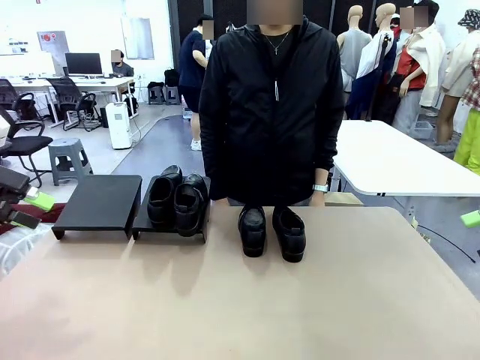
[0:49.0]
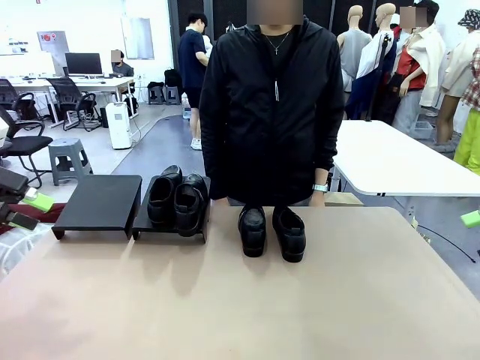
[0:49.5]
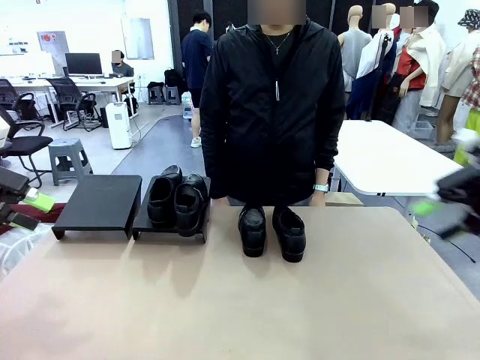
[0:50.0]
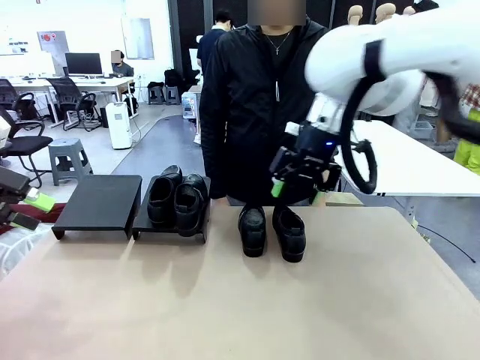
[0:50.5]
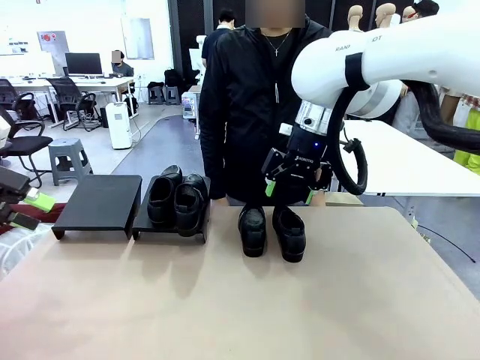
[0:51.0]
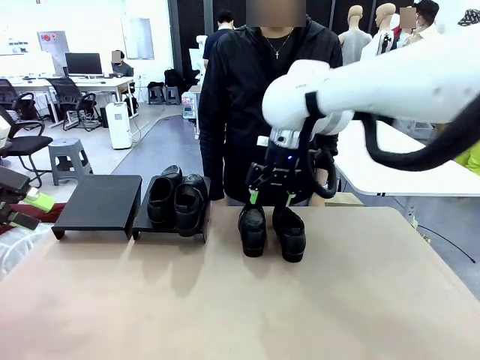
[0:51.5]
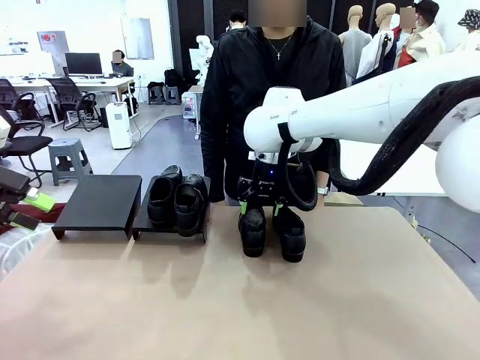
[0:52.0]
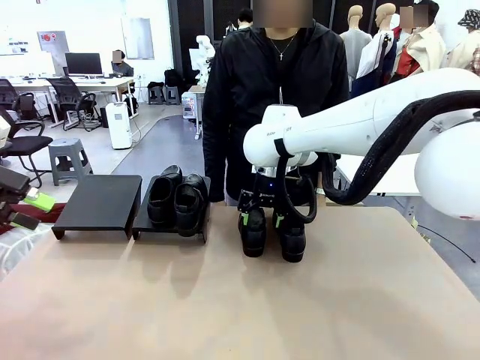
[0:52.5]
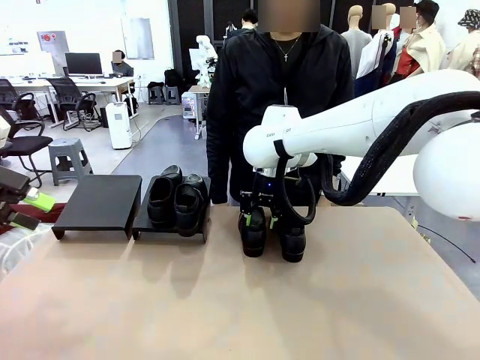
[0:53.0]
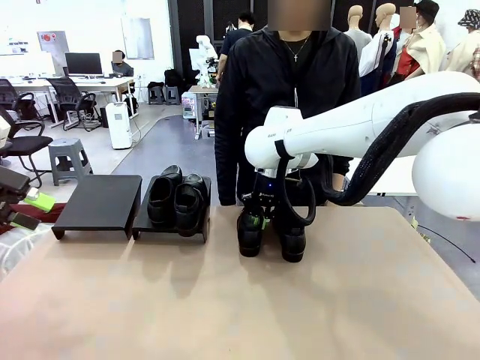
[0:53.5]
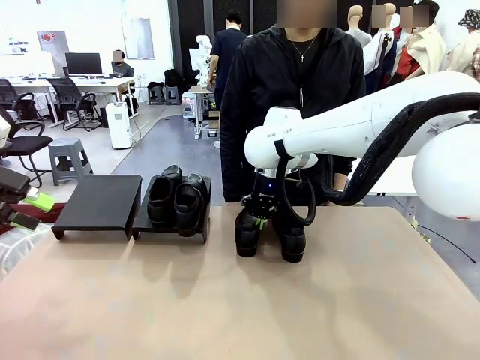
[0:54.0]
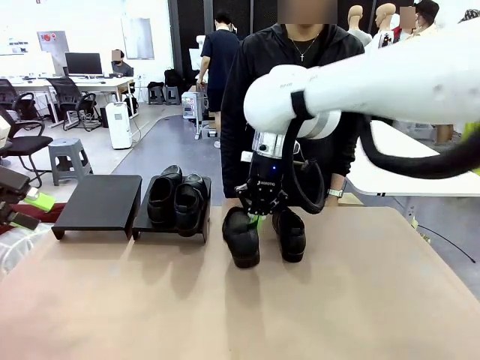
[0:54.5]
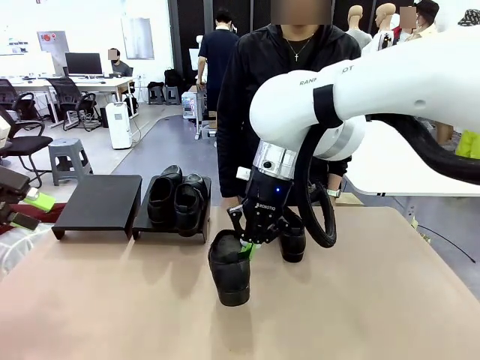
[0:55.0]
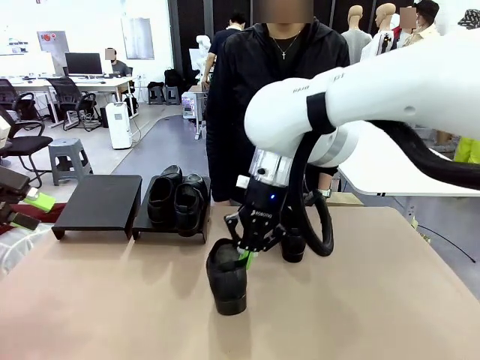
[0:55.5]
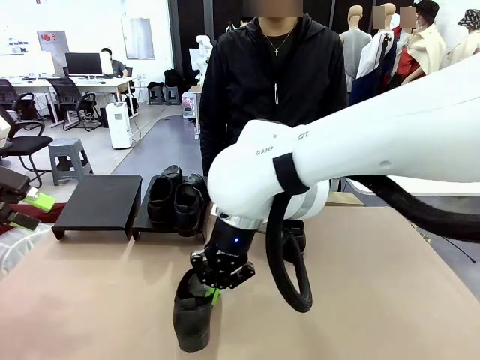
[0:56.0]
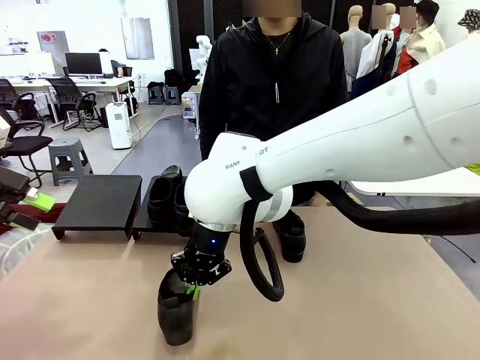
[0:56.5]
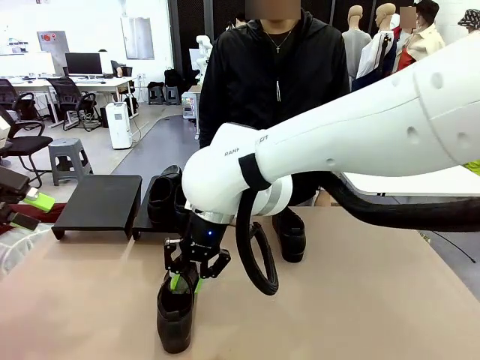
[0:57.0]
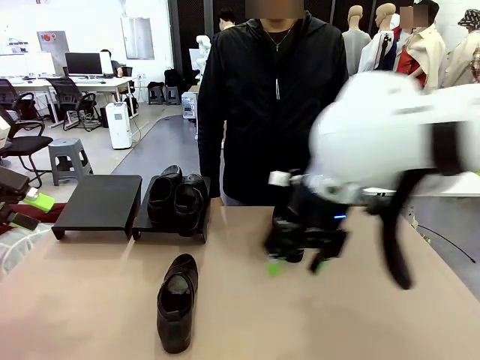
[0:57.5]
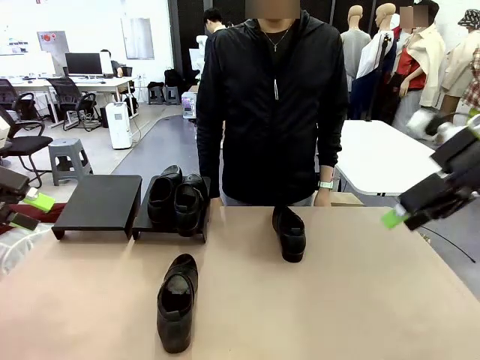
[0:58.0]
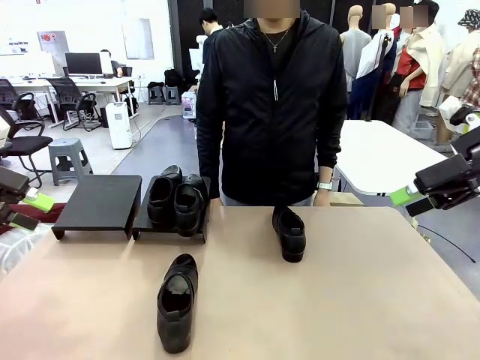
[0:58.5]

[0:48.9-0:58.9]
Task: Organize the shoes by placing them on the stand.
Robot: Pick up one Shoe and place it in the middle of the table.

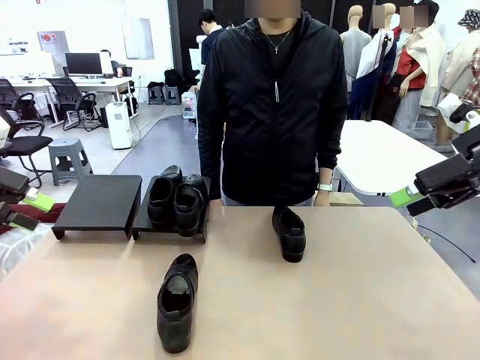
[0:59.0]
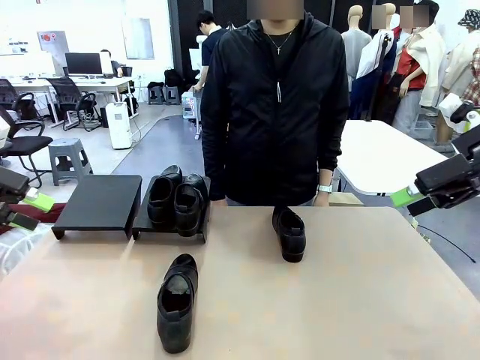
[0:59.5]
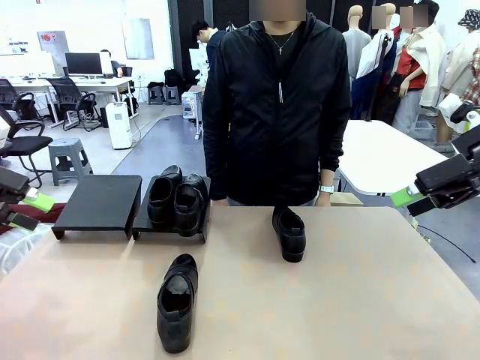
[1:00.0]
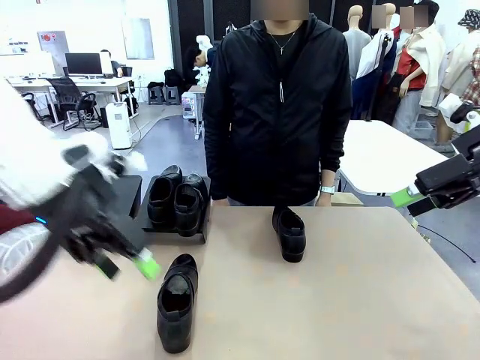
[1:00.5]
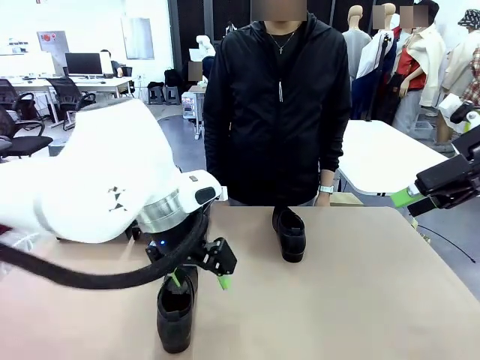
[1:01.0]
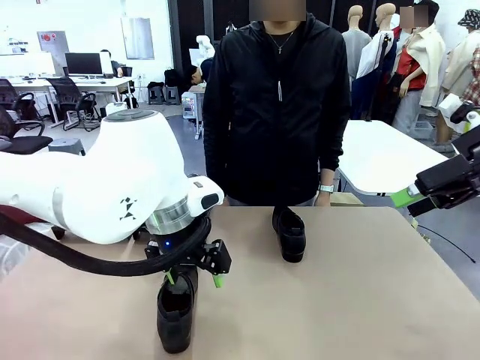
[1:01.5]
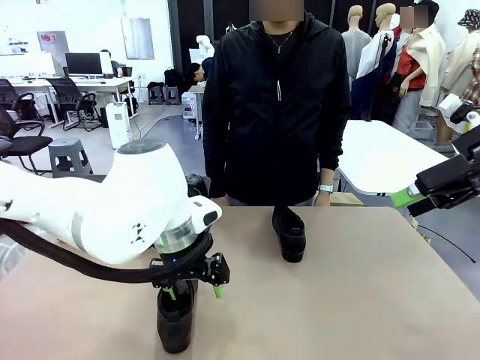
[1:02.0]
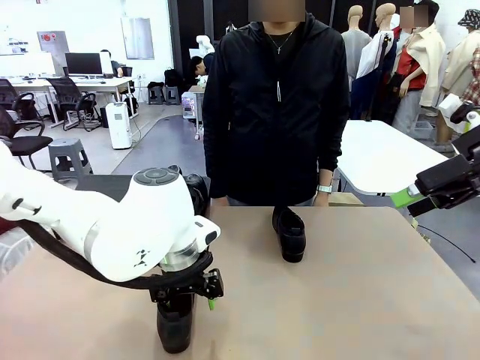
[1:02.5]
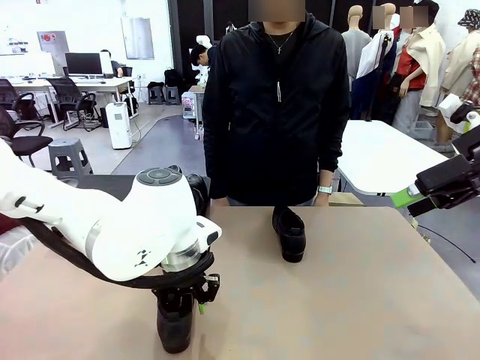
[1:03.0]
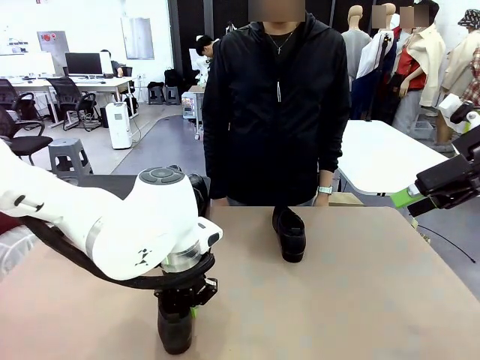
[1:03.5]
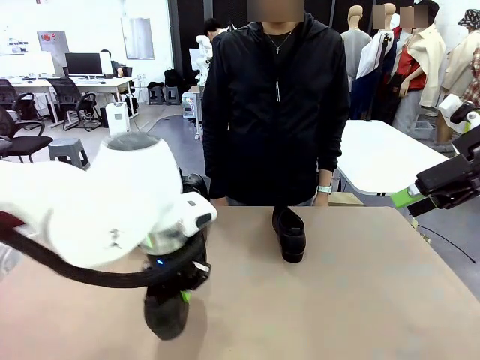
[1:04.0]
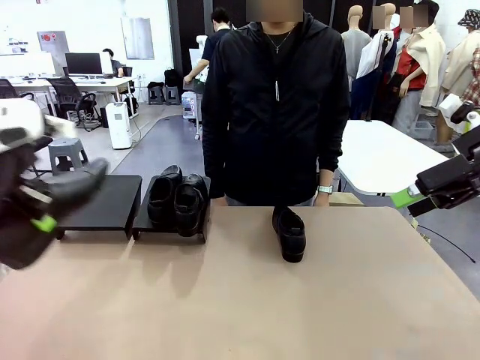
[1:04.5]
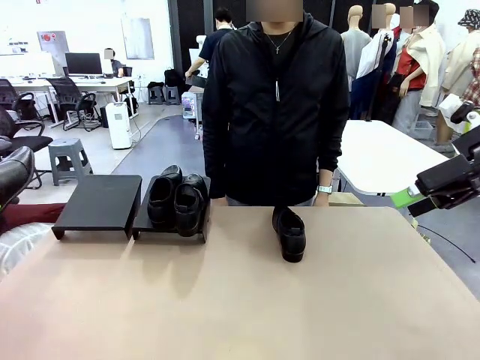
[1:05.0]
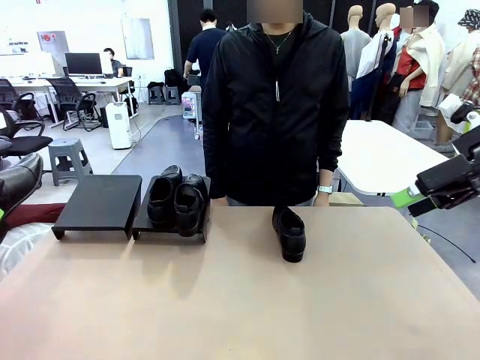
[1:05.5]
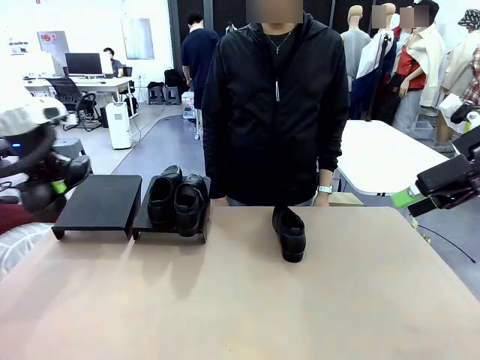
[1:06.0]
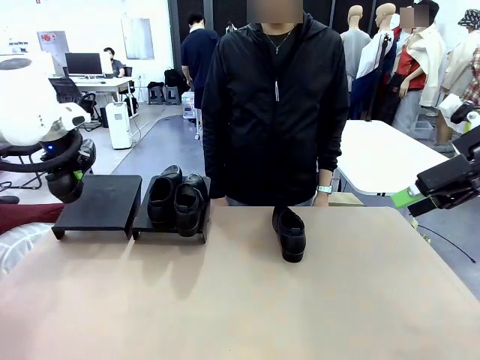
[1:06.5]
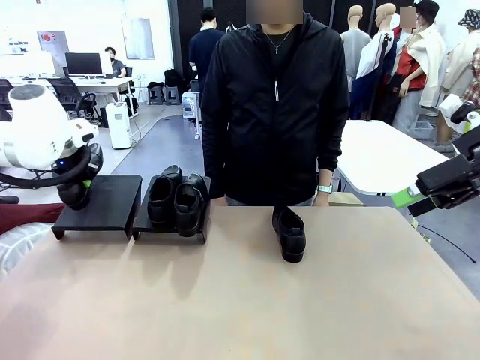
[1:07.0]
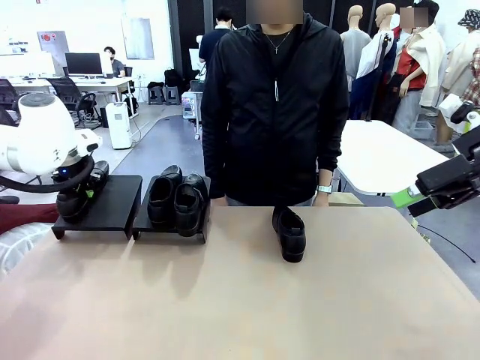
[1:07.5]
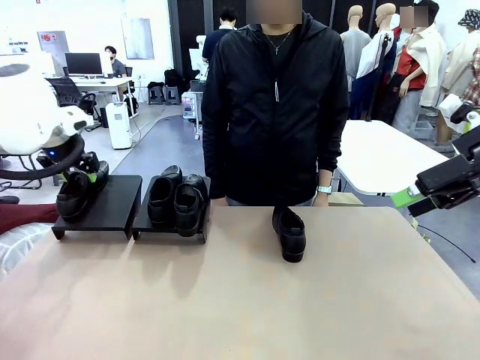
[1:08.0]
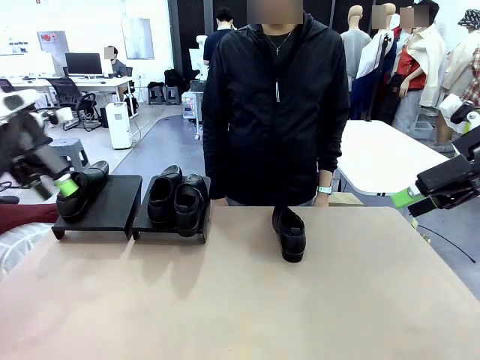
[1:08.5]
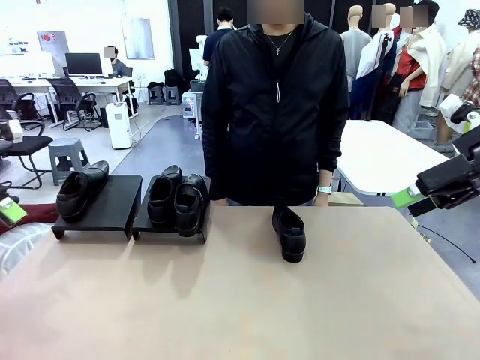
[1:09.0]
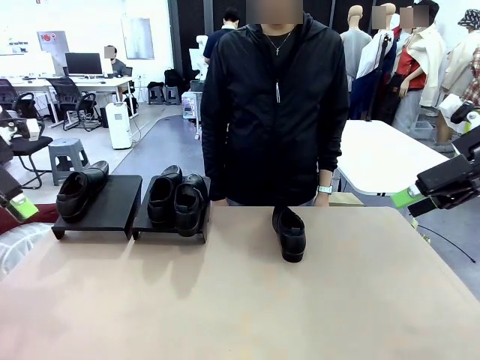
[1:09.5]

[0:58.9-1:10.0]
Robot: Place the Shoe from the middle of the table onto the Shoes Stand.

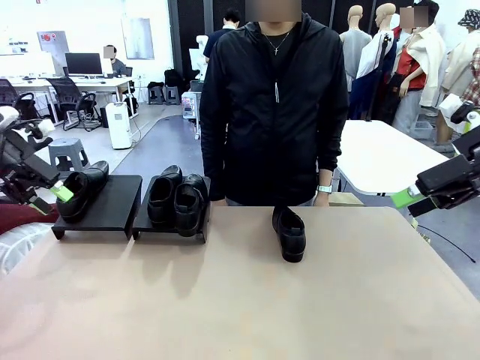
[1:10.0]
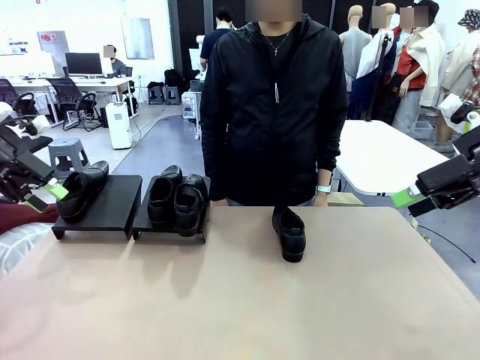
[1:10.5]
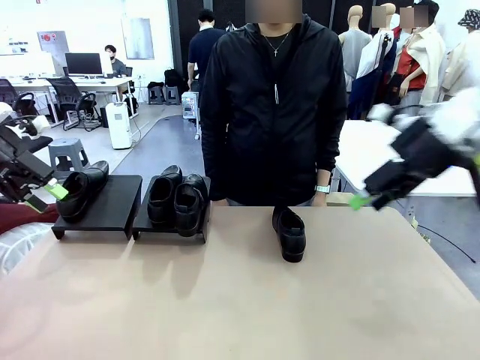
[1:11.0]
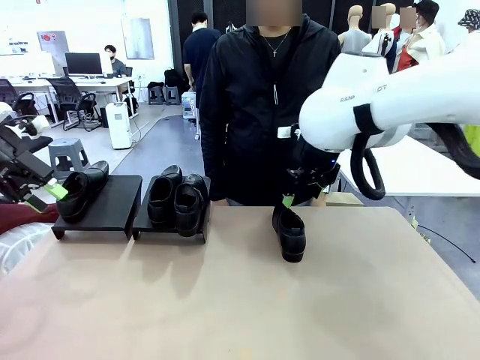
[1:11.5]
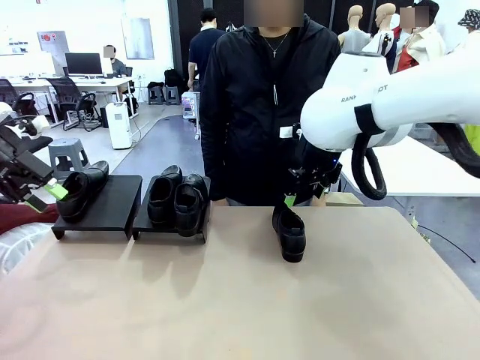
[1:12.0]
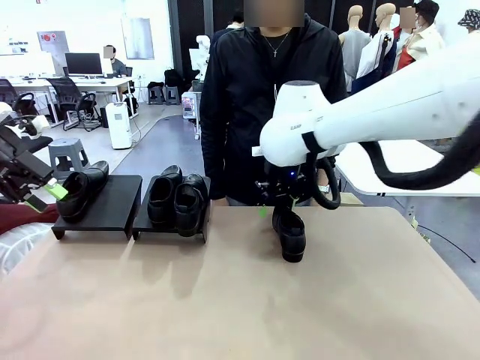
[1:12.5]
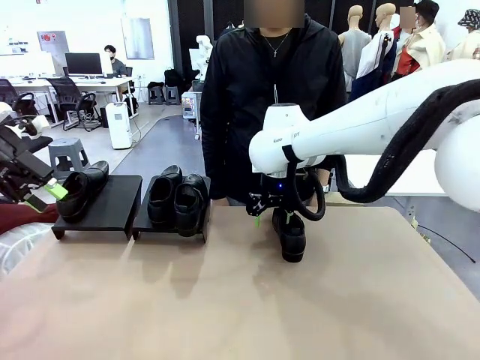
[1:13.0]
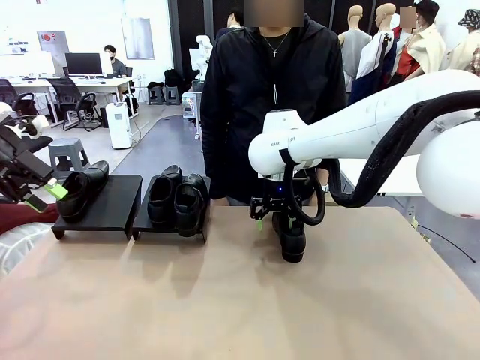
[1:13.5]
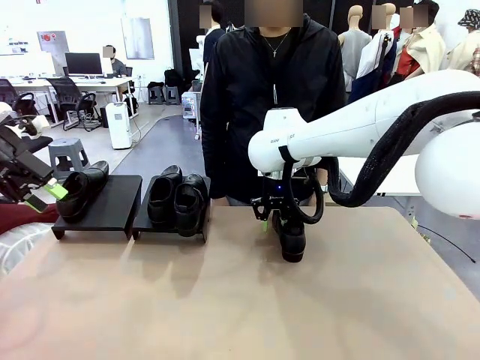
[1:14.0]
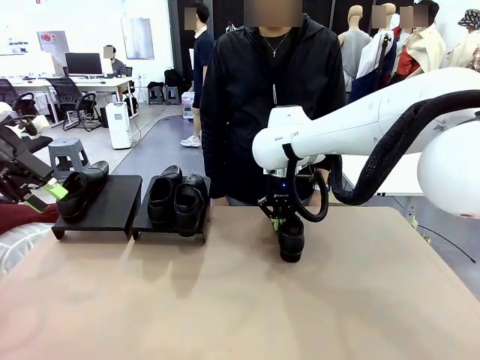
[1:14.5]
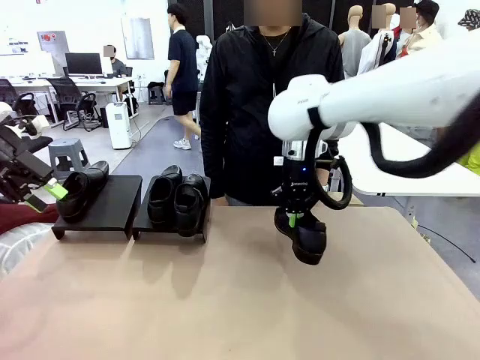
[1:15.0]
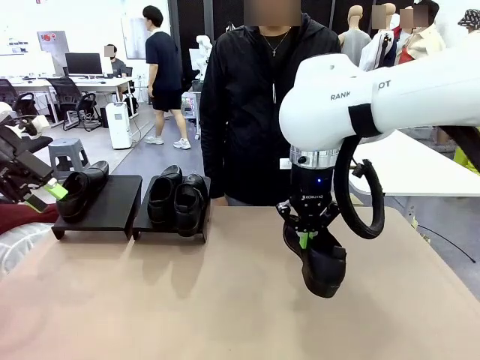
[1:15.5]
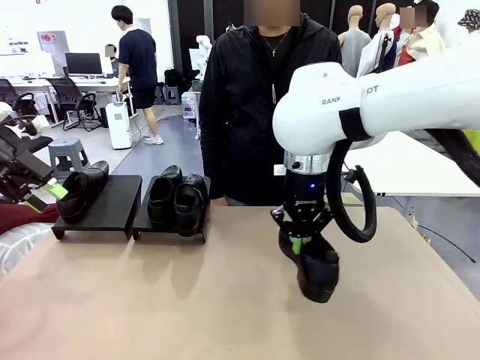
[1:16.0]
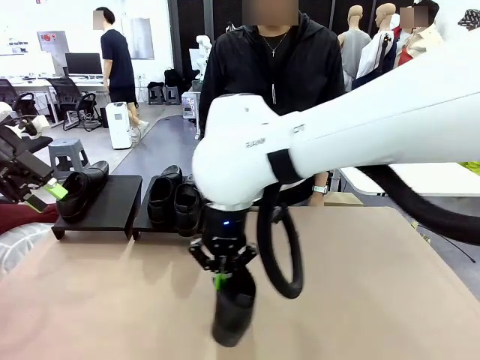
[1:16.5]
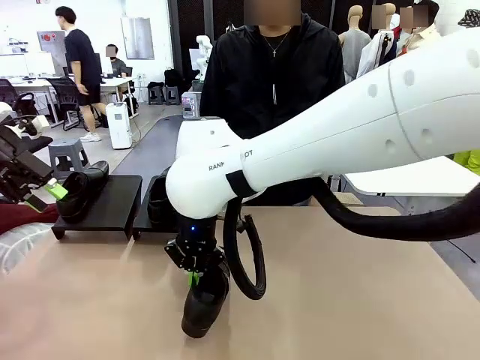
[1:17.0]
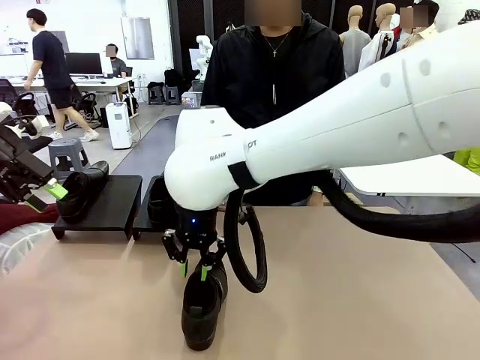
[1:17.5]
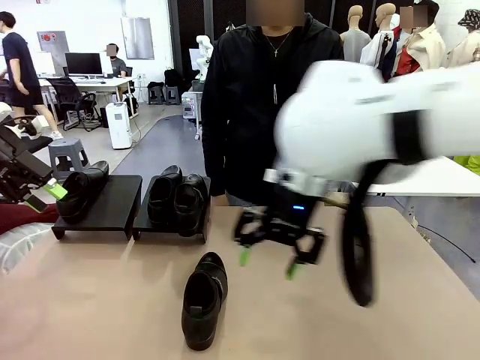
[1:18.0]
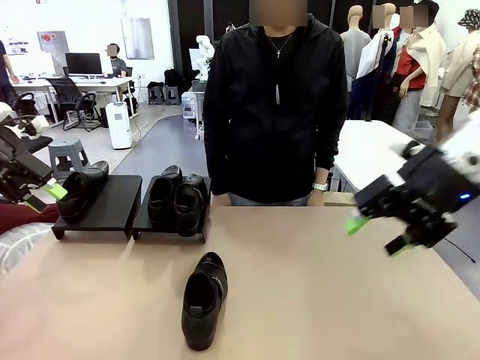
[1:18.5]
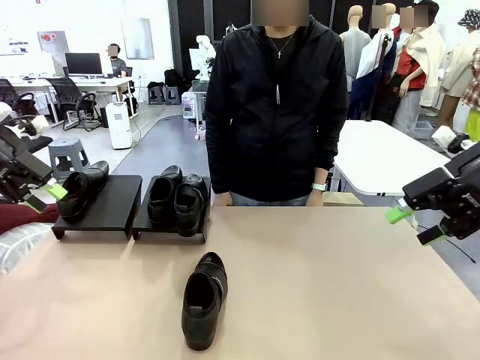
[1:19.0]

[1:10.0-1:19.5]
Robot: Pick up one Shoe and place it in the middle of the table.
